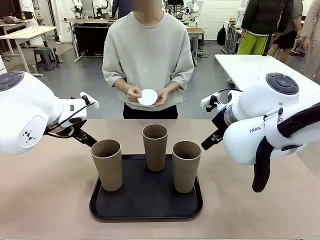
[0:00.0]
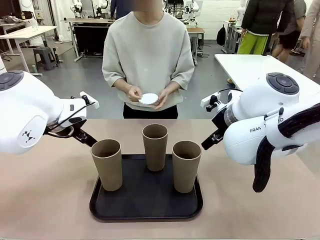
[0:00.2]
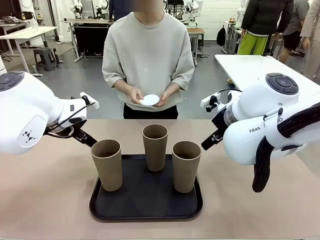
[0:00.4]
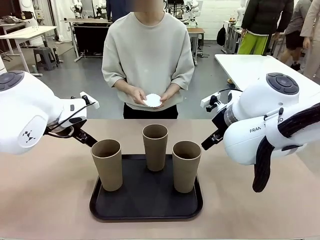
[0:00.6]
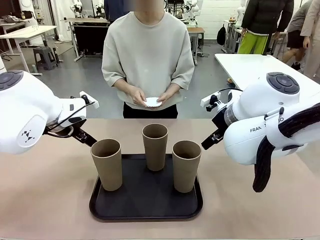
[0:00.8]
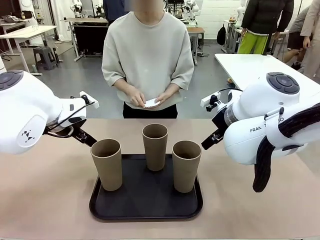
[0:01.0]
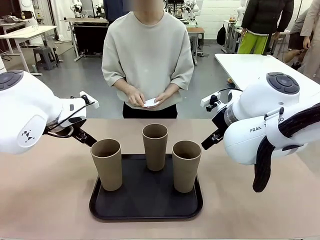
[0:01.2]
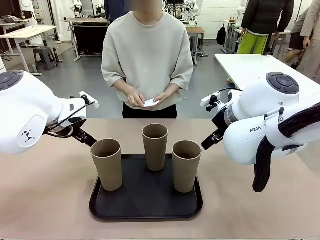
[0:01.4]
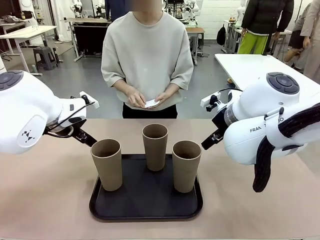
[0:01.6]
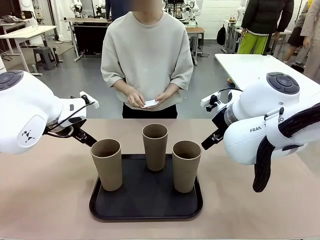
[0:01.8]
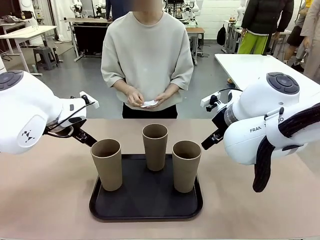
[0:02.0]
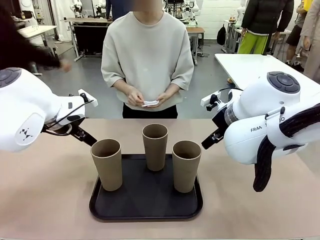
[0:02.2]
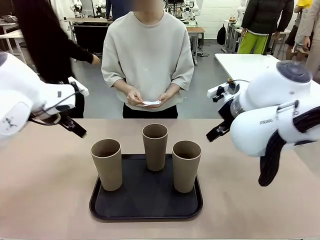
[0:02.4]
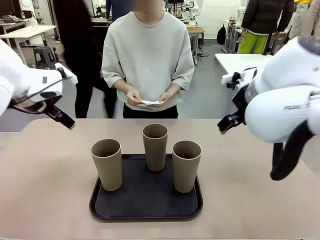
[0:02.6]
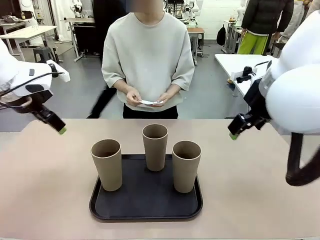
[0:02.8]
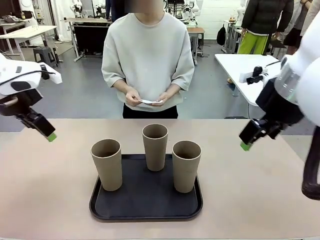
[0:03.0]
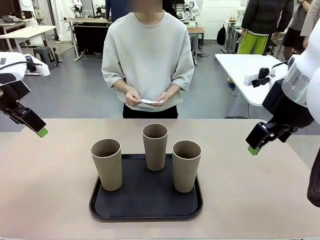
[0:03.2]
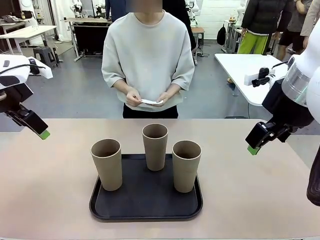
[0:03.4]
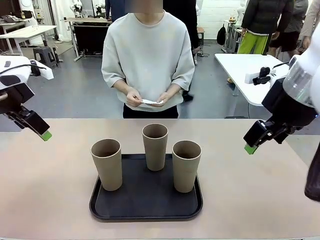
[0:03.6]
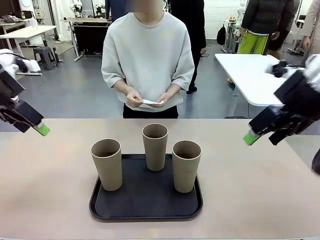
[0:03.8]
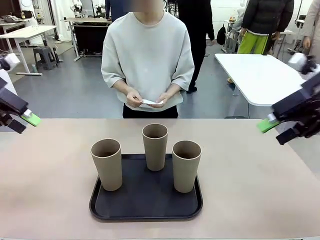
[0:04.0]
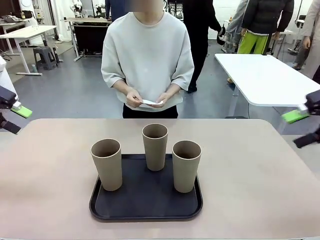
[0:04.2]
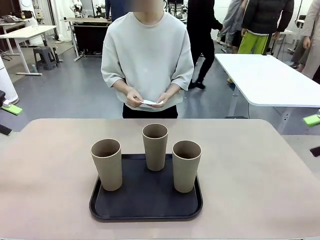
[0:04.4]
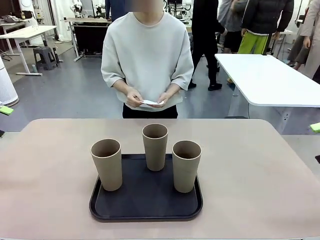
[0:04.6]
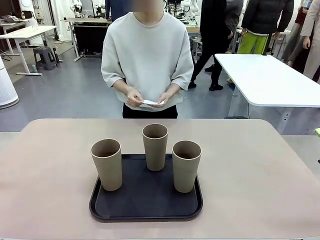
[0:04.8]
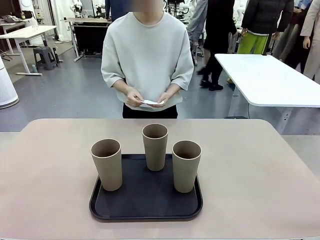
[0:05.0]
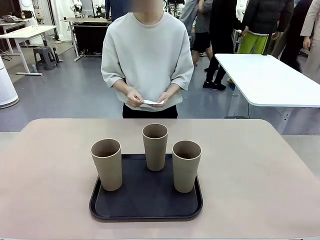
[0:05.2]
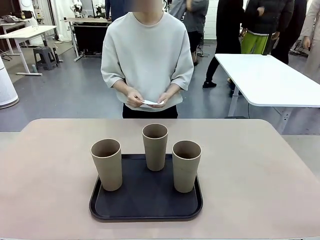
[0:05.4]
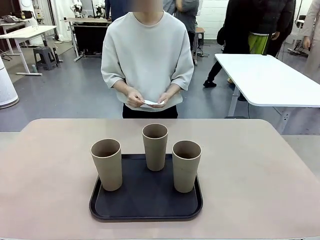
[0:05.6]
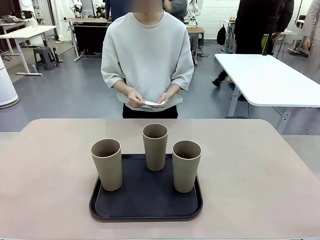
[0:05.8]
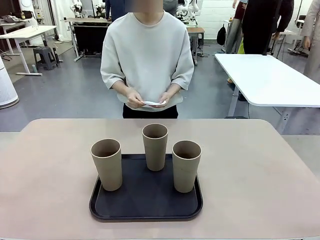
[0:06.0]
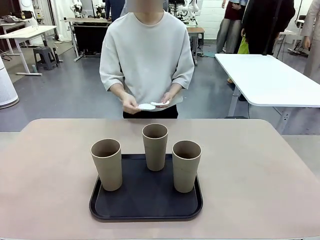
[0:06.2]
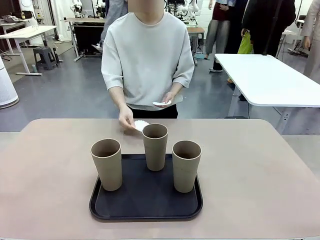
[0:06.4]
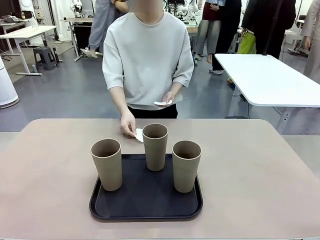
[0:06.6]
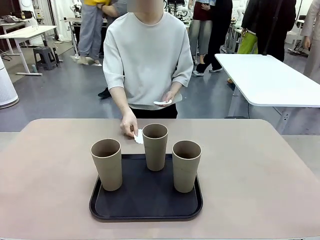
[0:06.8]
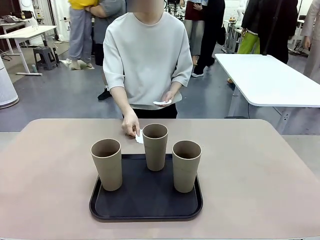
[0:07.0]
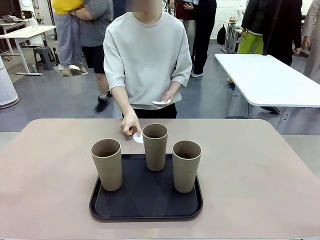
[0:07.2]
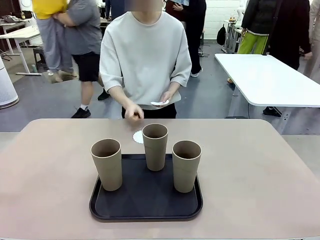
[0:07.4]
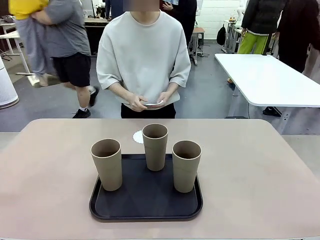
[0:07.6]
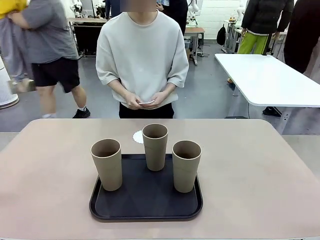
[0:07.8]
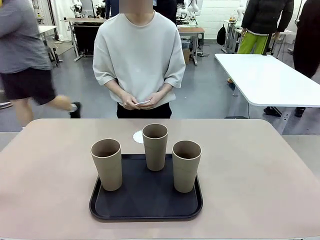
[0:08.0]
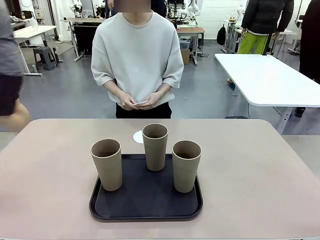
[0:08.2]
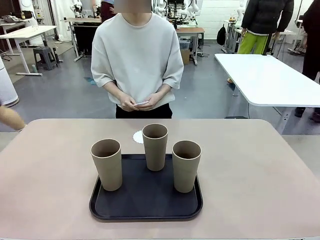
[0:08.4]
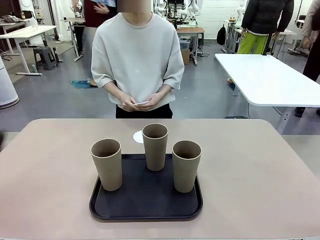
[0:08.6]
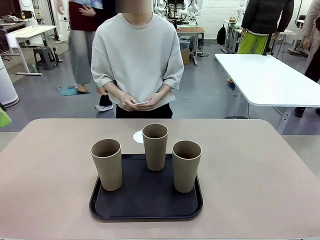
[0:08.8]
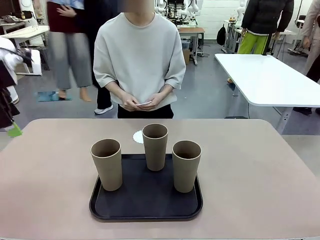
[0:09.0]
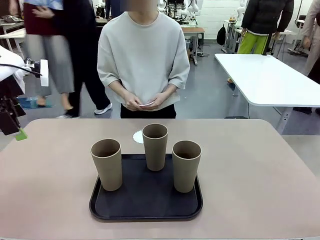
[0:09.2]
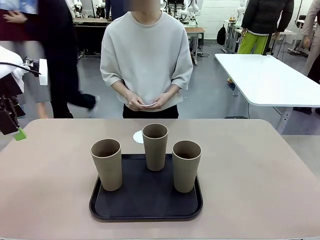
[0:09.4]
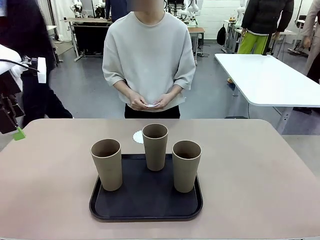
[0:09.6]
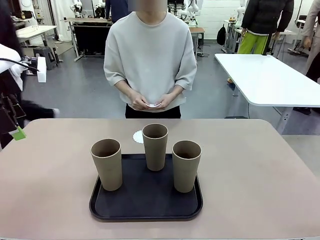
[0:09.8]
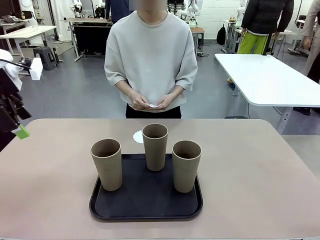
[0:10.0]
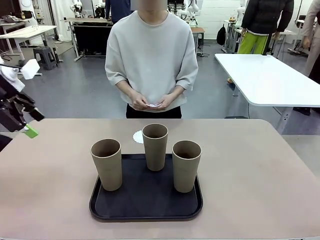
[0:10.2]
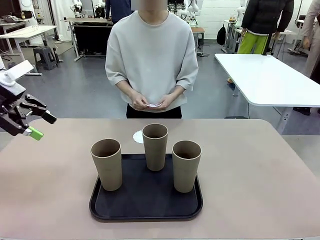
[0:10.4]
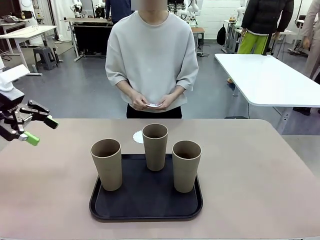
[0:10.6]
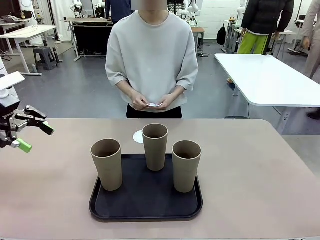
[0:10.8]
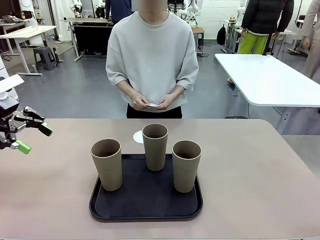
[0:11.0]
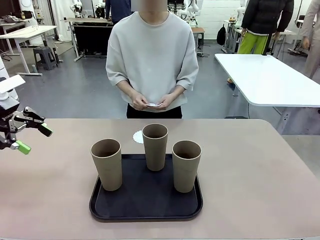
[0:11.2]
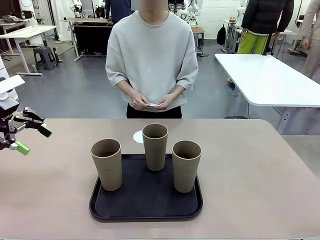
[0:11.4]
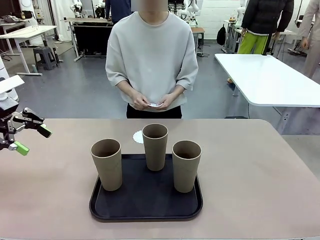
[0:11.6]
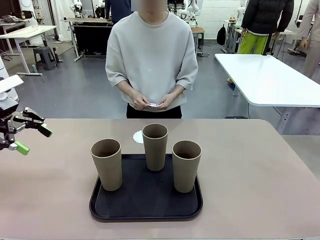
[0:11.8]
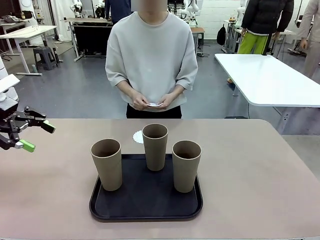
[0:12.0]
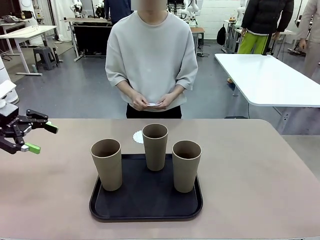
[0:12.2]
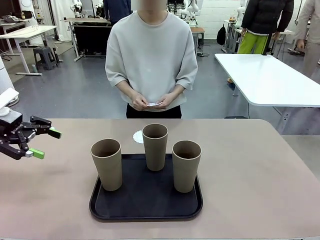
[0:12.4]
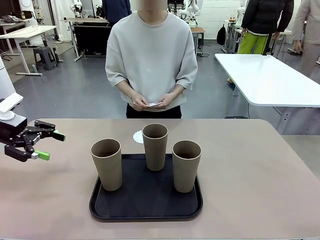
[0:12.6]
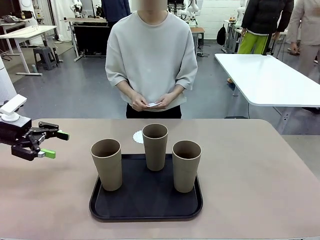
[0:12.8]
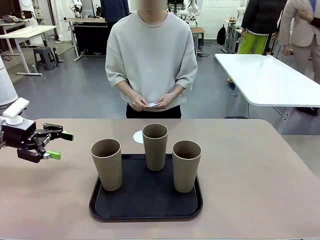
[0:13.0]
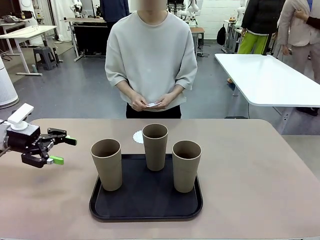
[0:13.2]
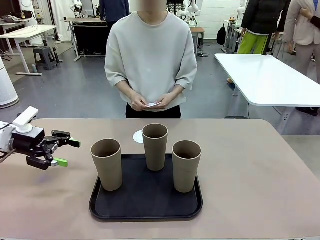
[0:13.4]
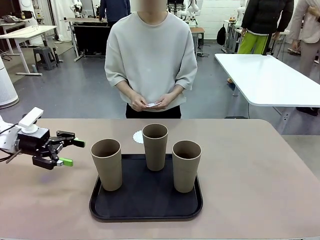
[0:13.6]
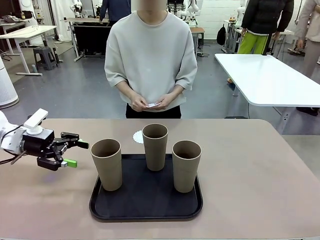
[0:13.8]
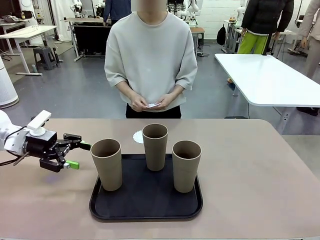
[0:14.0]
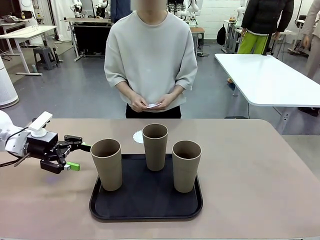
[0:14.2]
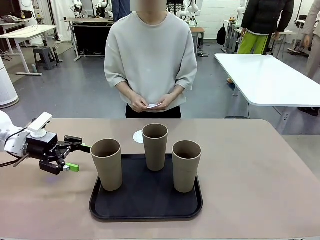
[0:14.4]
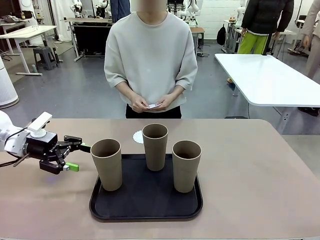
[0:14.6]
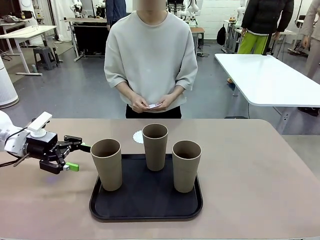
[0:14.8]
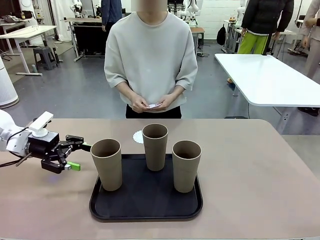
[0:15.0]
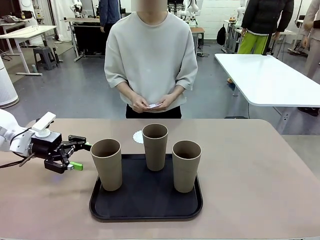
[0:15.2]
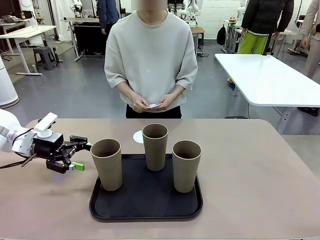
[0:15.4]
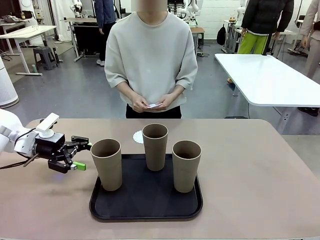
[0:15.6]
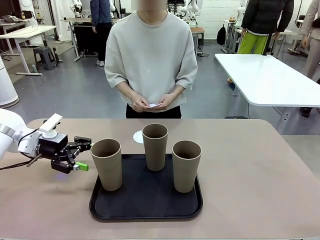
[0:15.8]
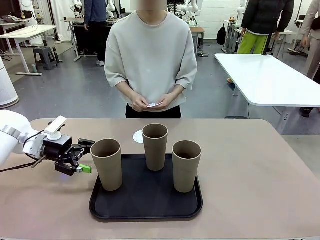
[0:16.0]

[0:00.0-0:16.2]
Task: Place coasters on the table and set cups on them.
Robot: Pick up one Reusable plastic cup and place it on a coaster set by the human.
Person: Place one coaster in any one of the three lower areas of the robot table (left, center, or right).
